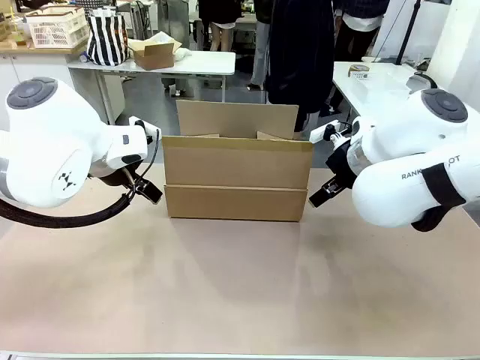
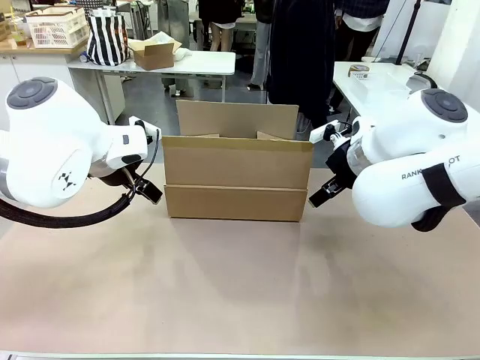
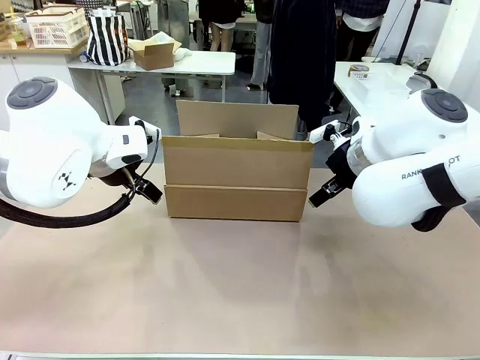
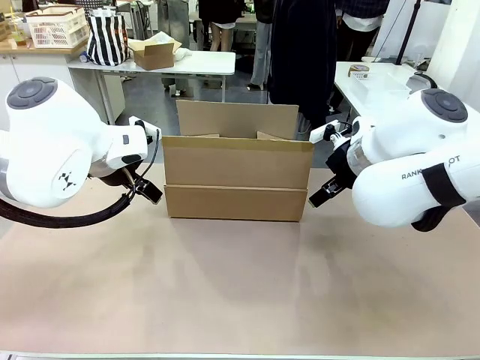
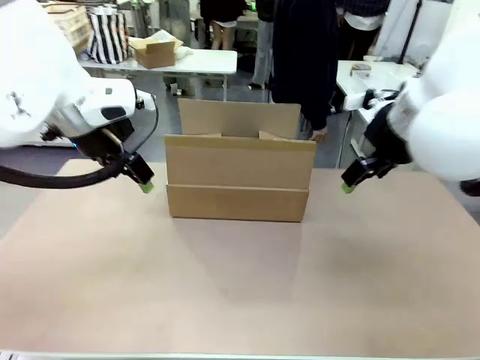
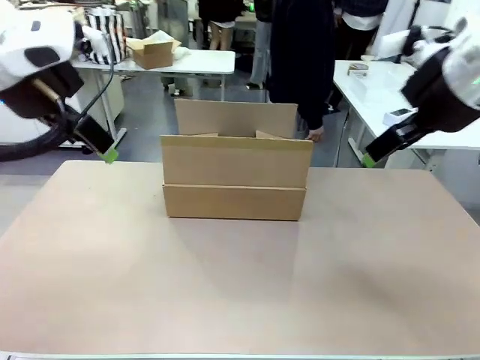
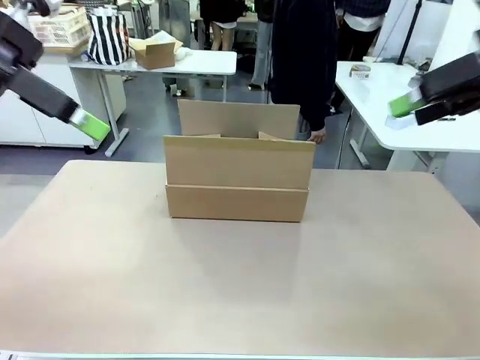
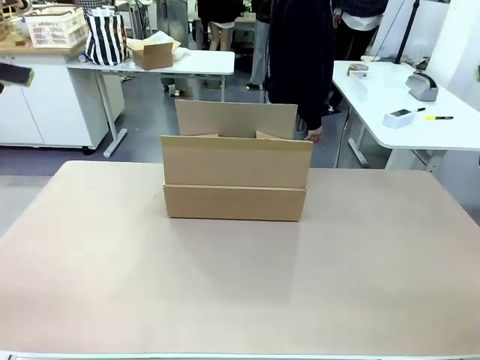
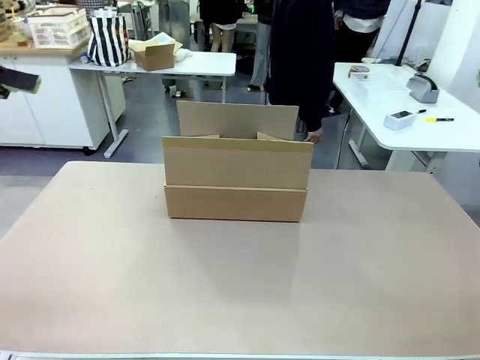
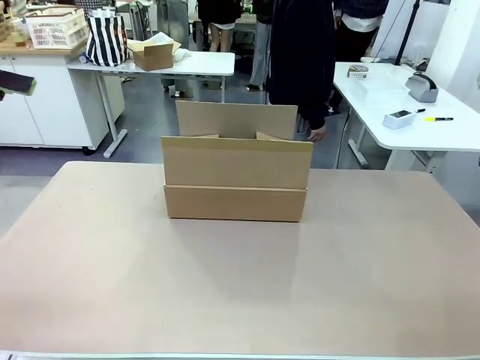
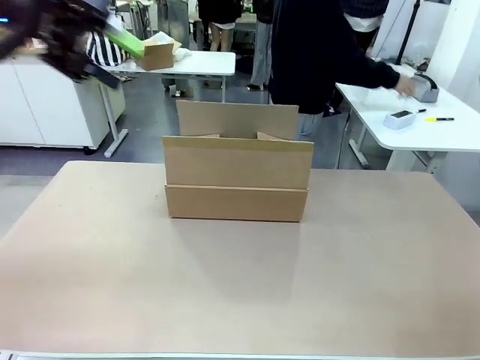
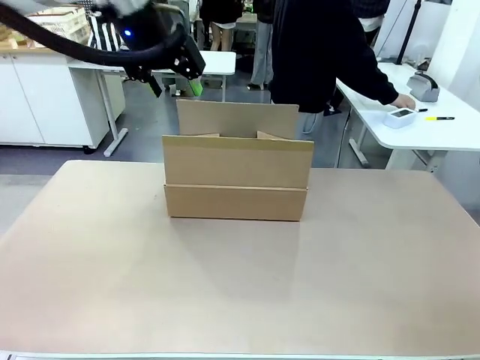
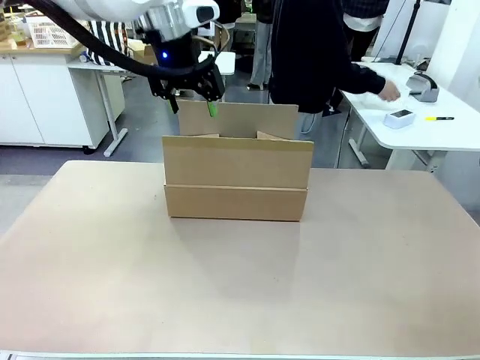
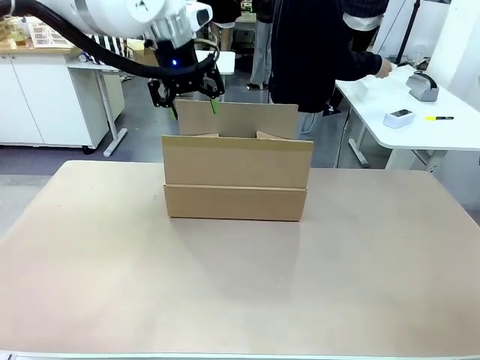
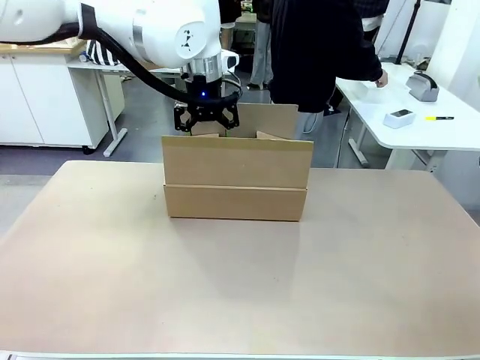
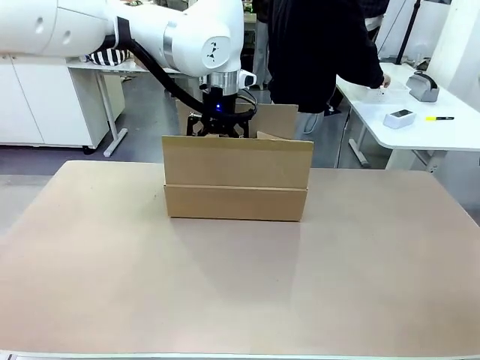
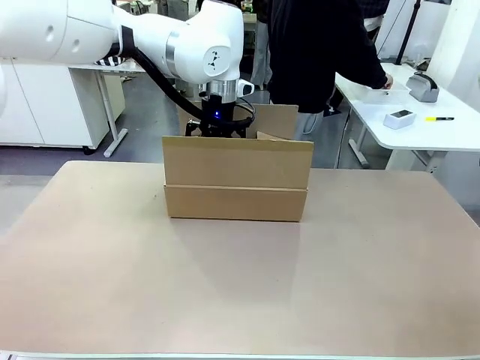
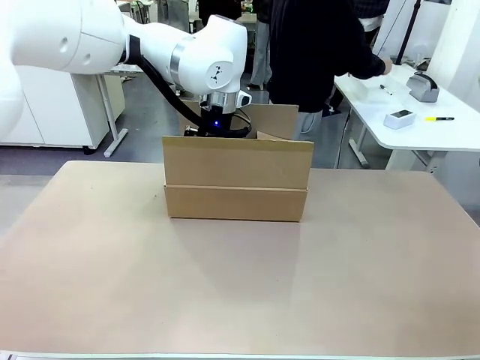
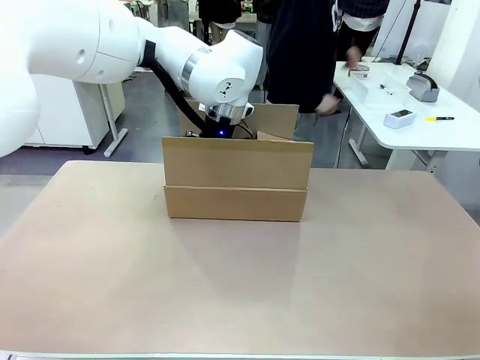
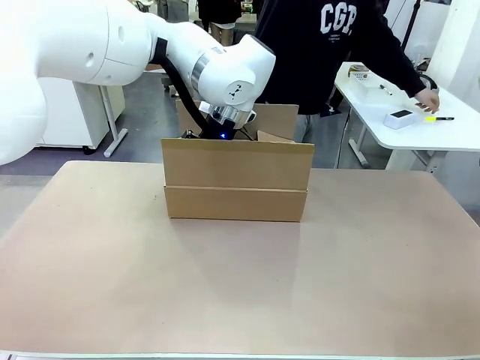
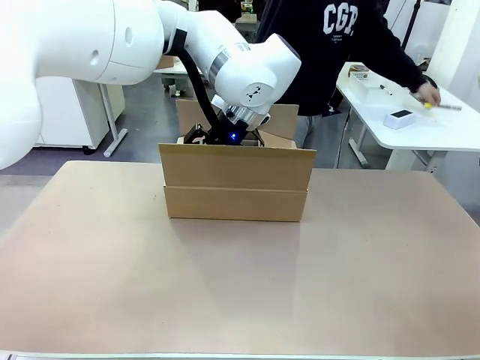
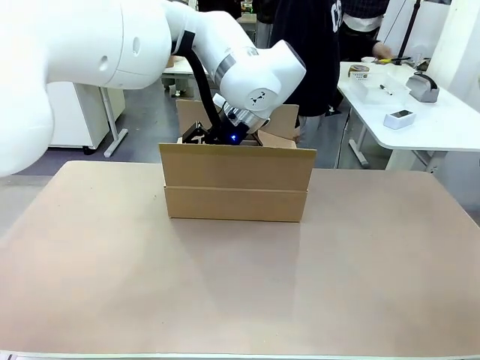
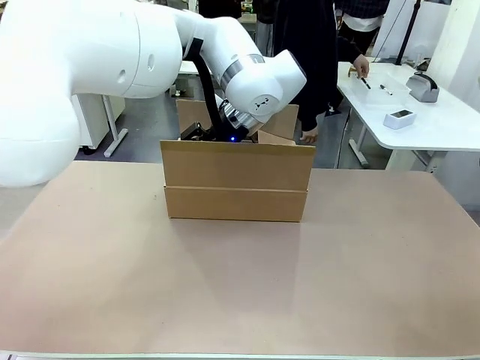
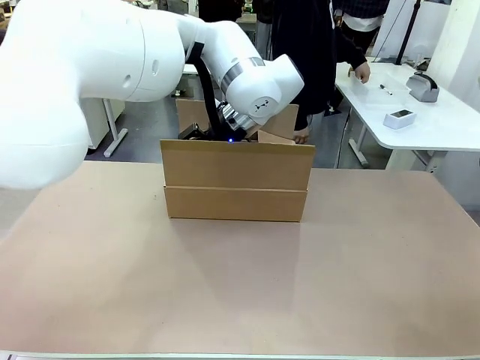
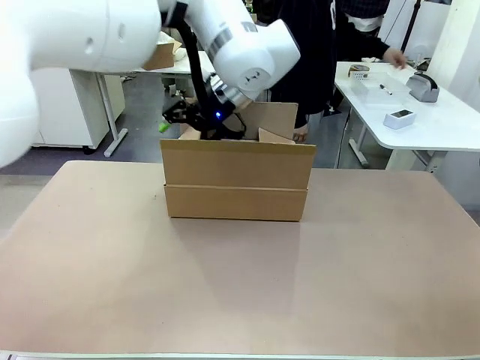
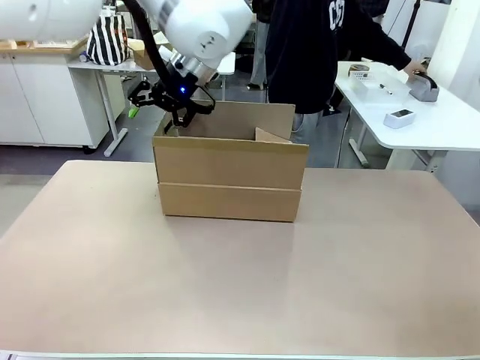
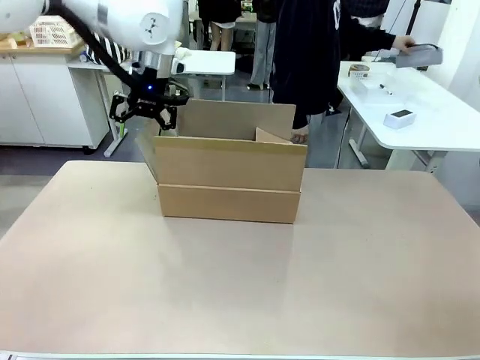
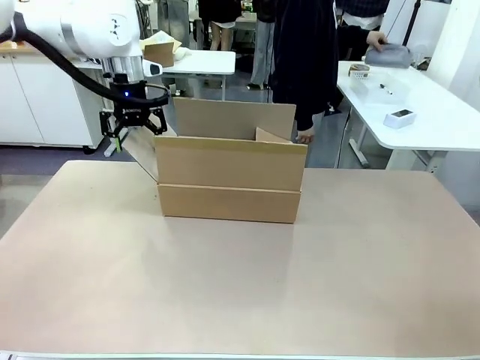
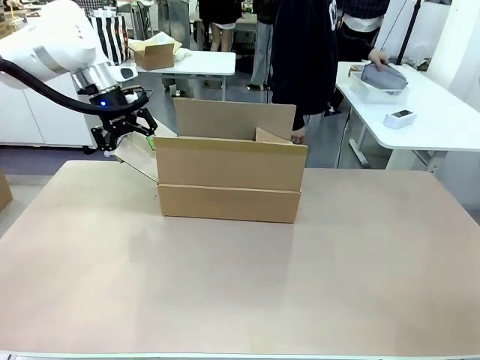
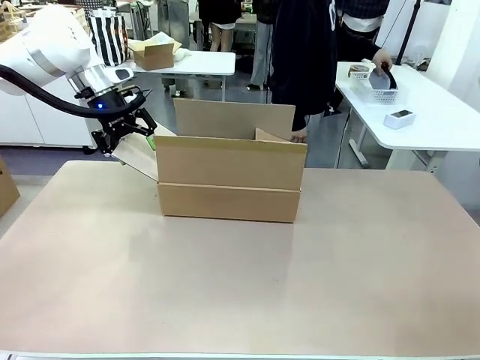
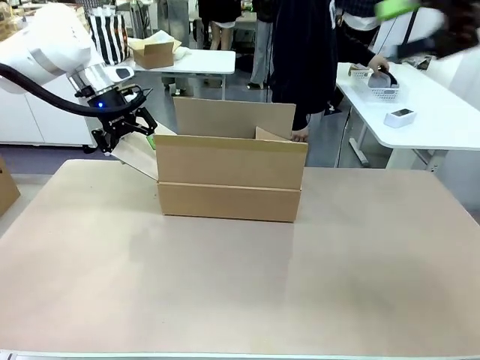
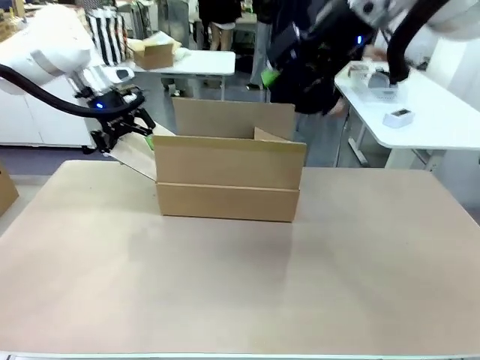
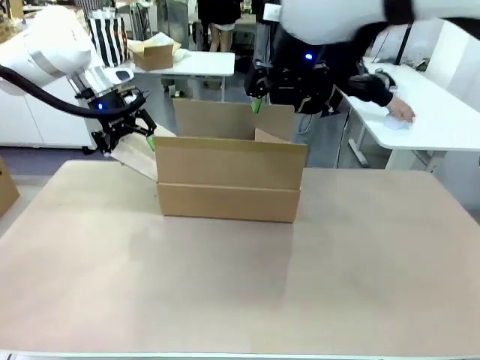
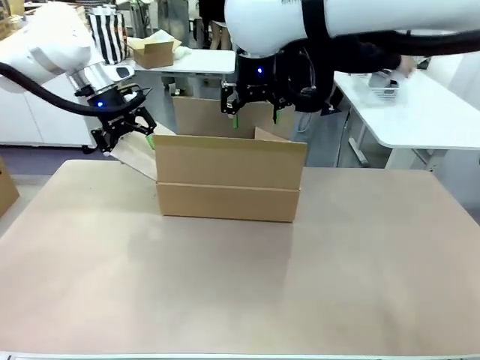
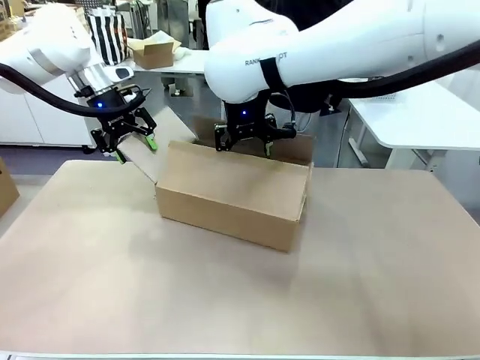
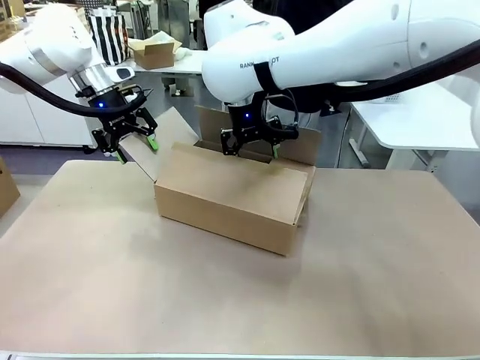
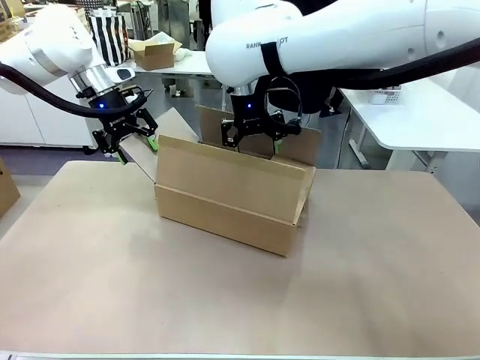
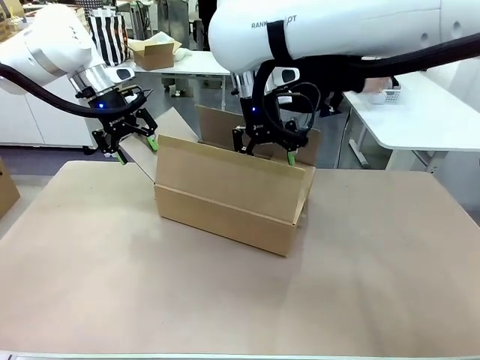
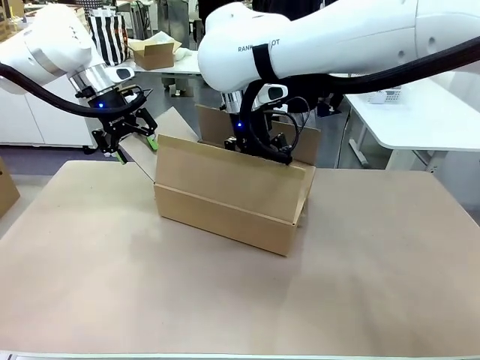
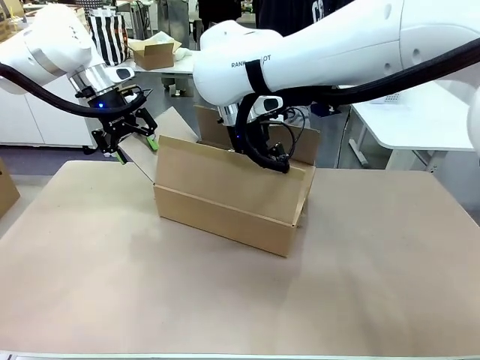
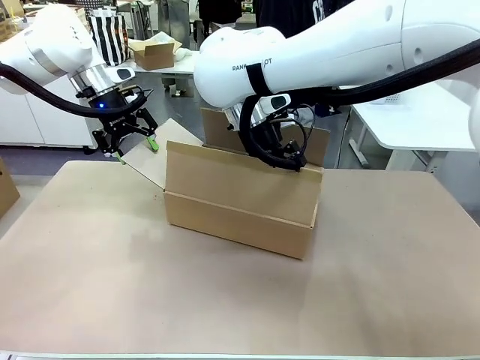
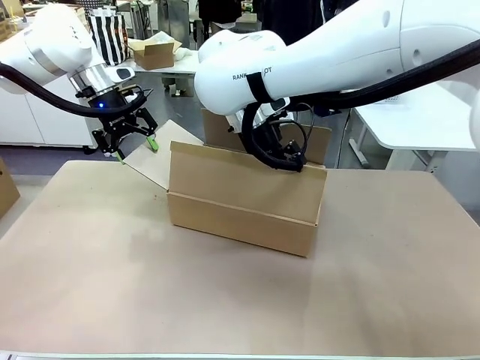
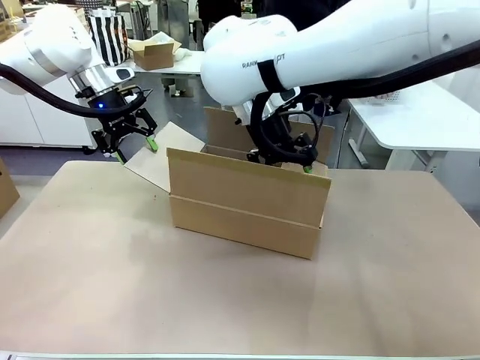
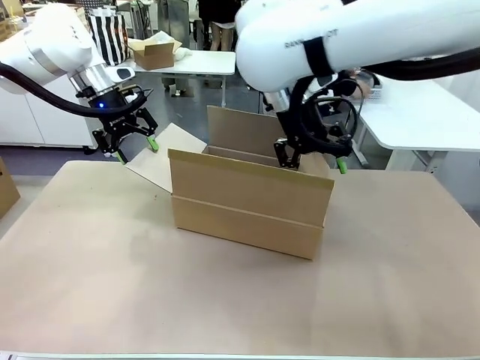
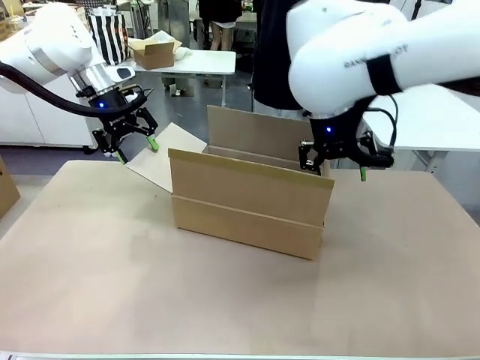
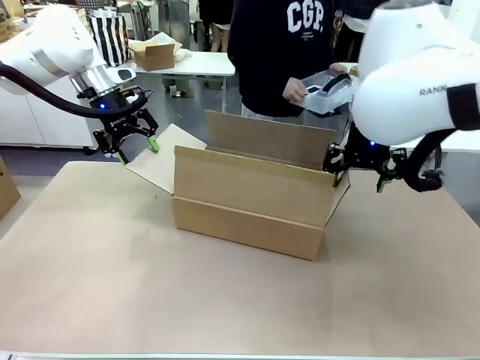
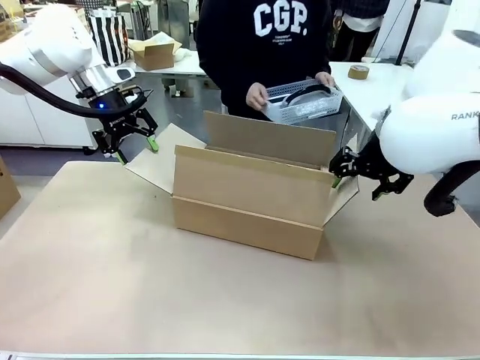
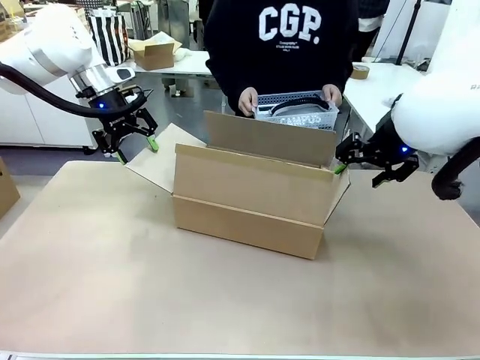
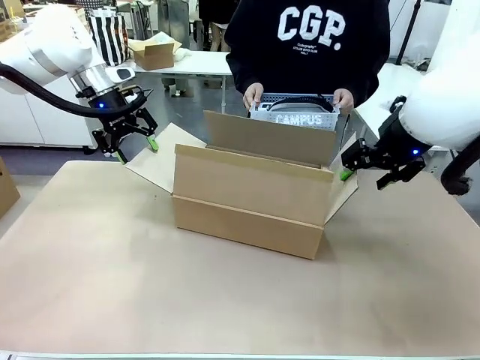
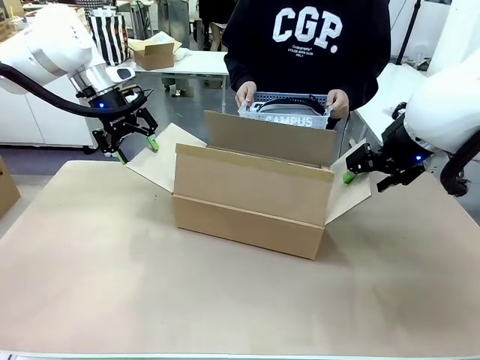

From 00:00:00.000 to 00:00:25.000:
Task: Pack the gift set into the box.
Robot: Place both hands on the side flaps of the Package Box and spread them outward.
Person: The human places all items except the paper tape into the organizing basket. The human picks up the organizing basket and places the organizing basket into the package box on the robot table.
